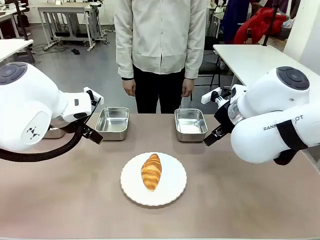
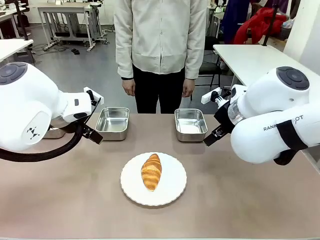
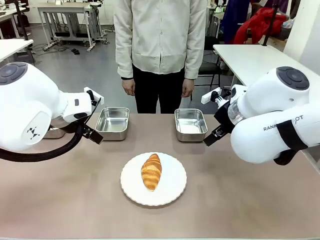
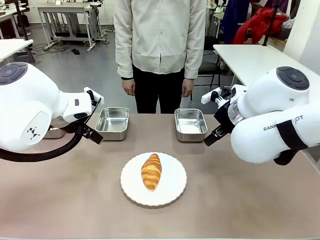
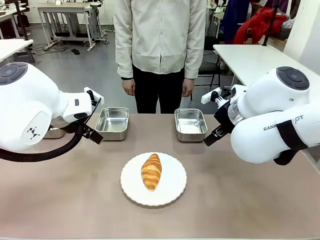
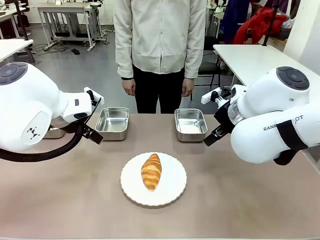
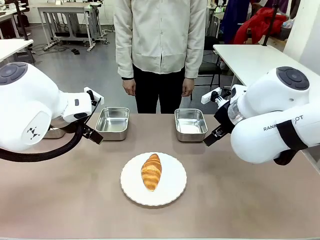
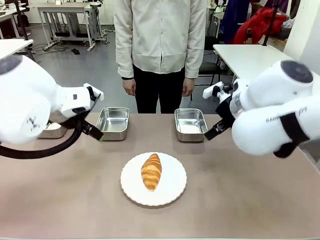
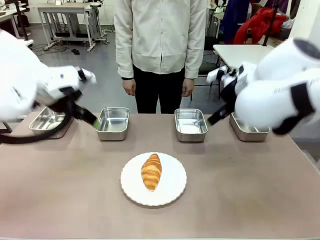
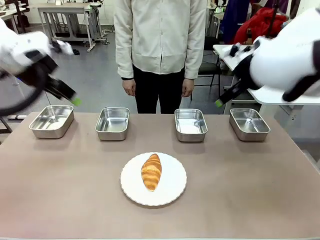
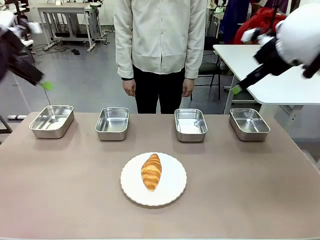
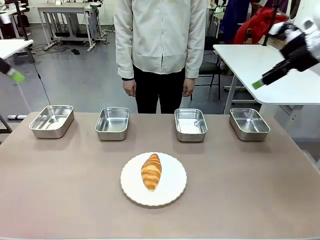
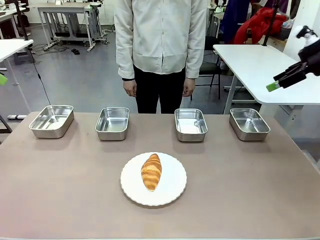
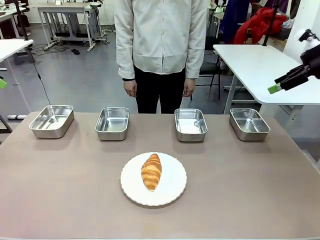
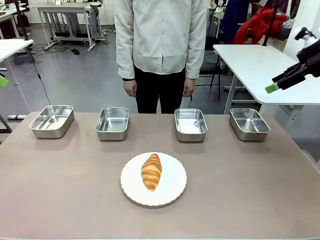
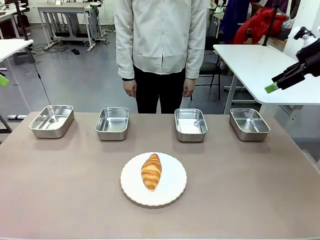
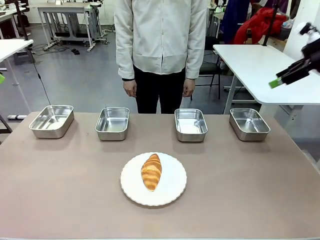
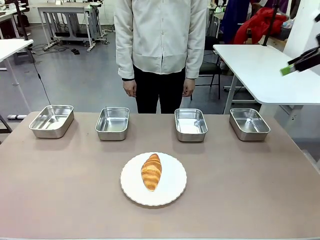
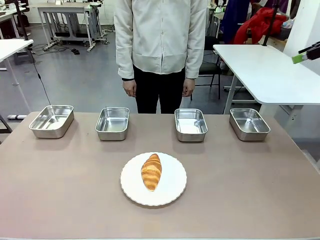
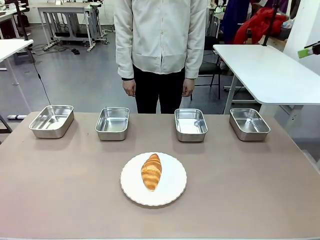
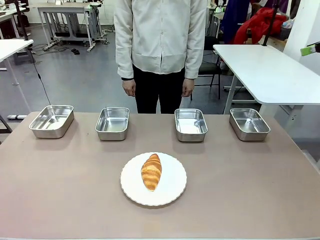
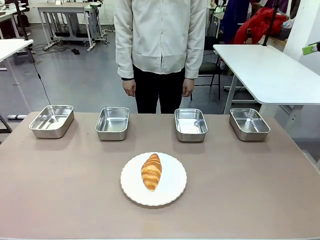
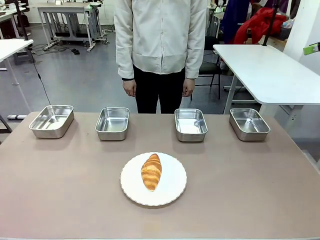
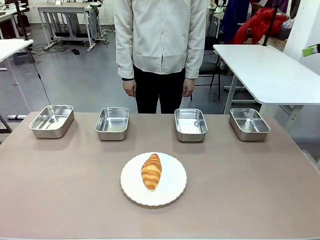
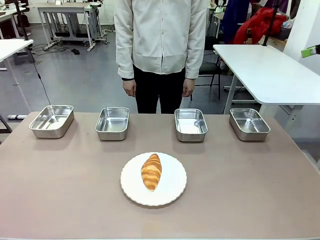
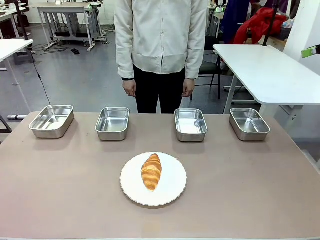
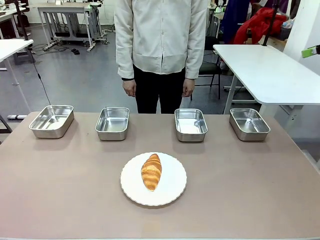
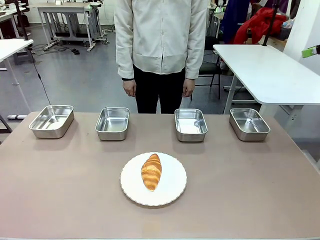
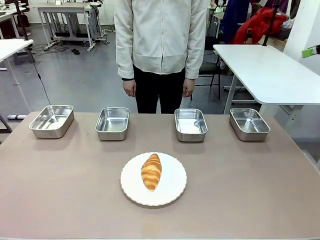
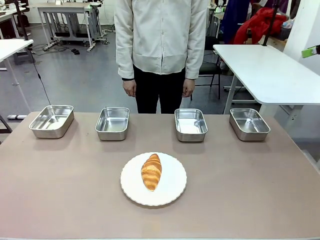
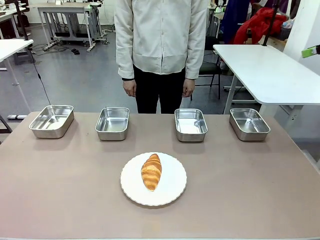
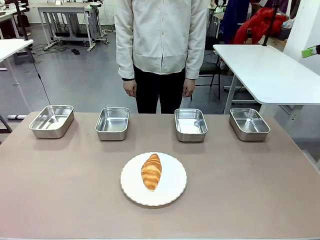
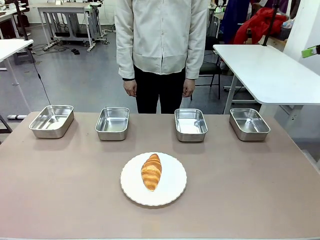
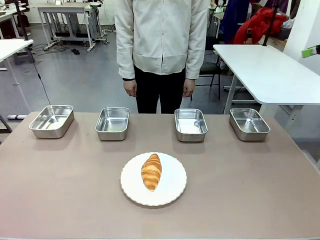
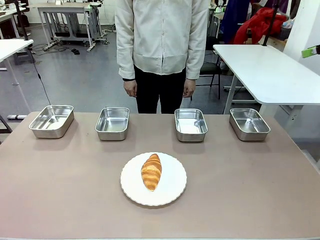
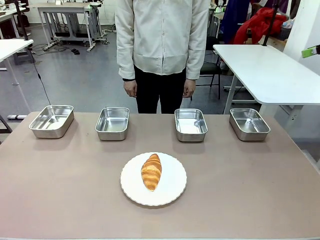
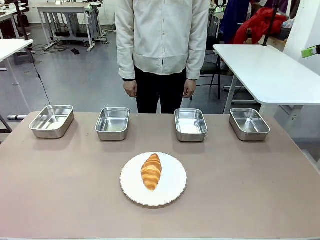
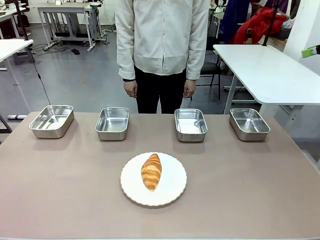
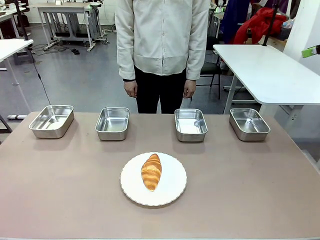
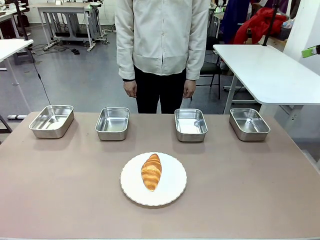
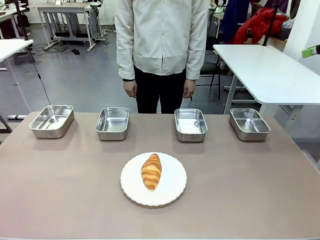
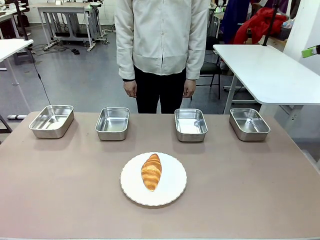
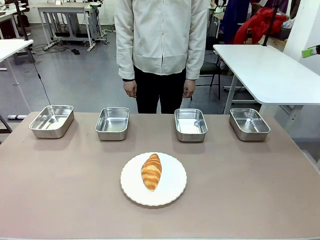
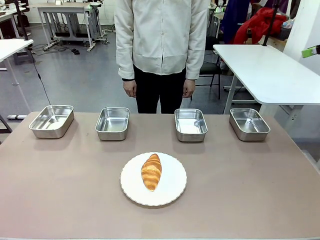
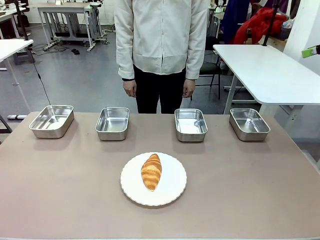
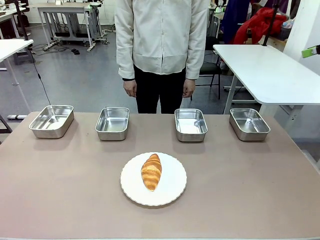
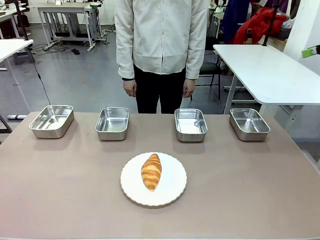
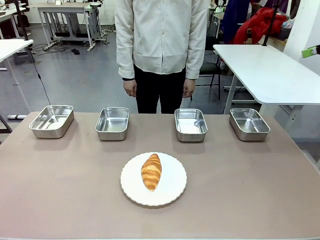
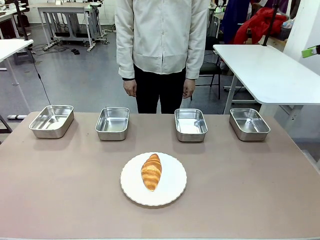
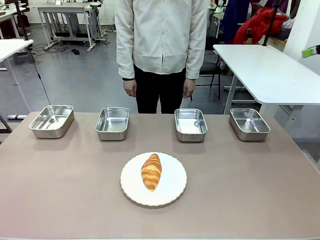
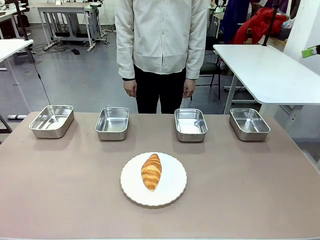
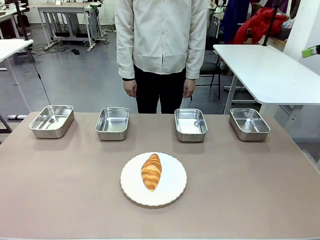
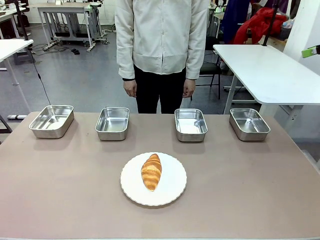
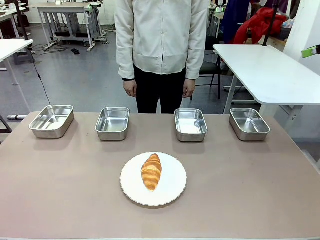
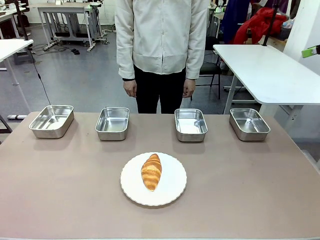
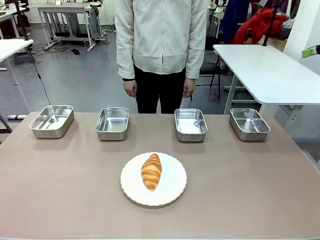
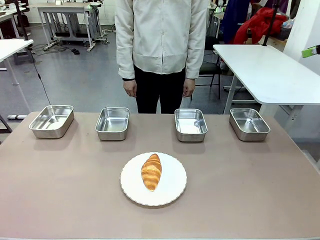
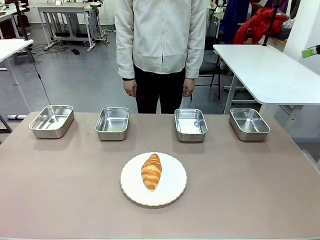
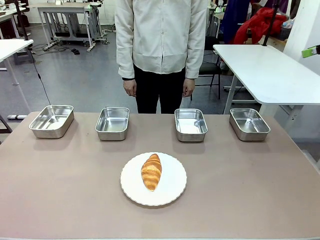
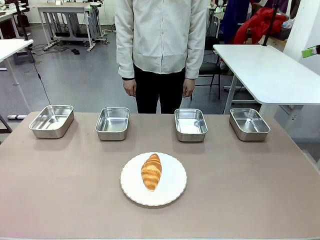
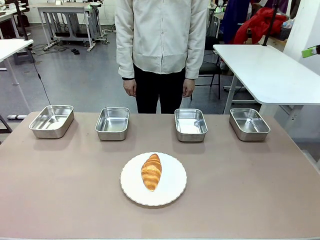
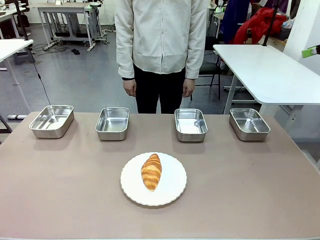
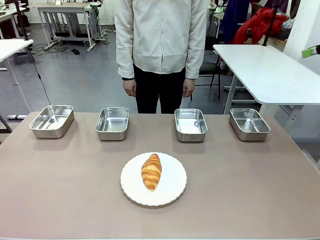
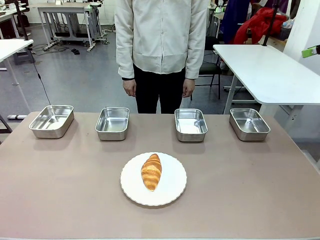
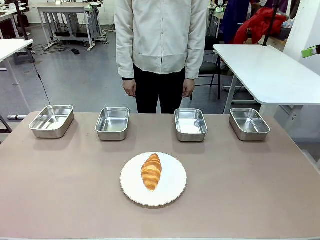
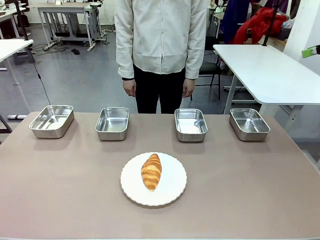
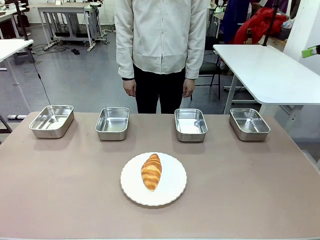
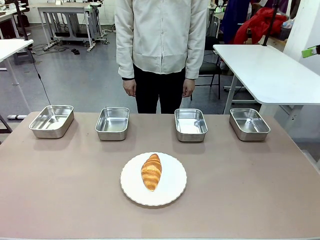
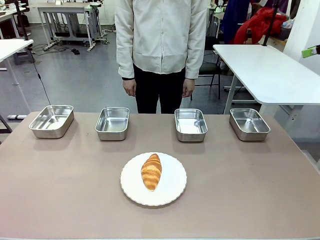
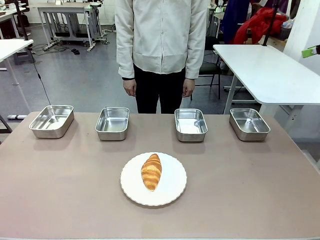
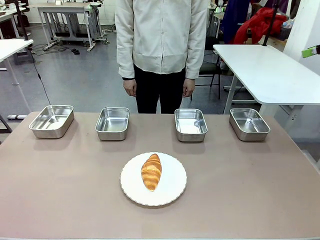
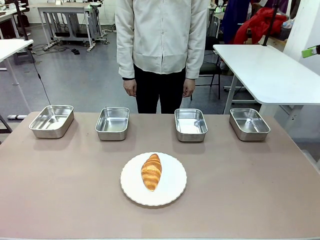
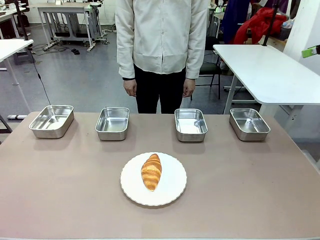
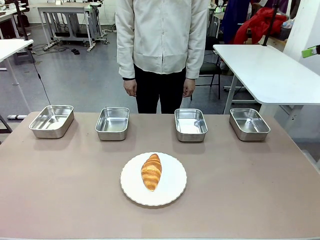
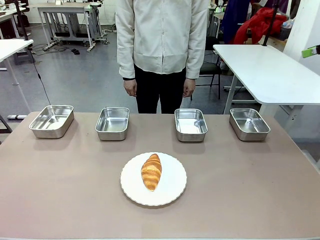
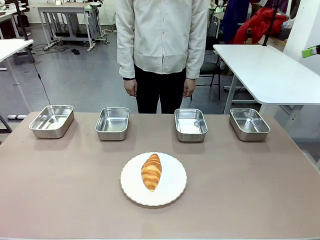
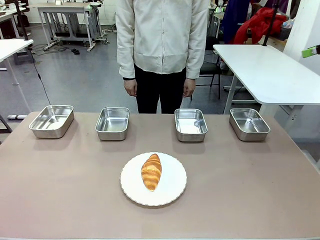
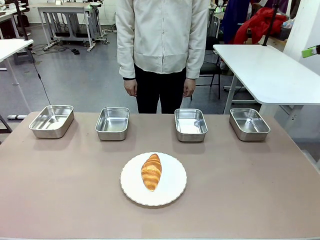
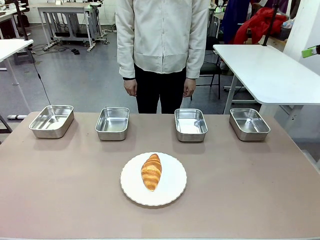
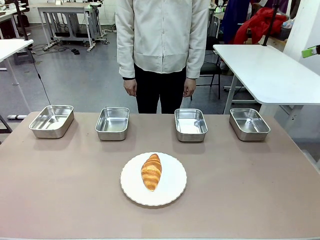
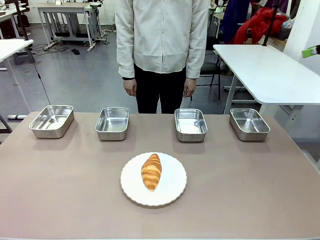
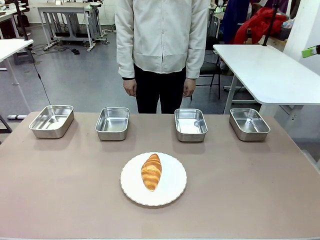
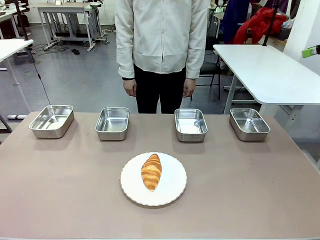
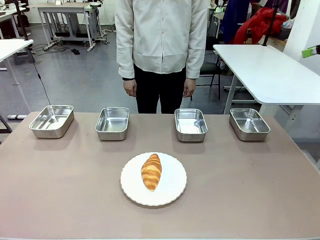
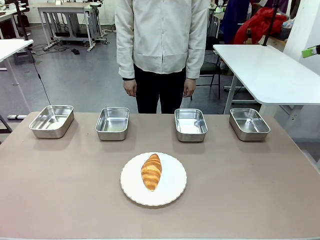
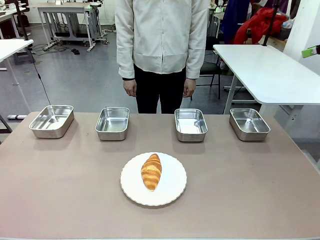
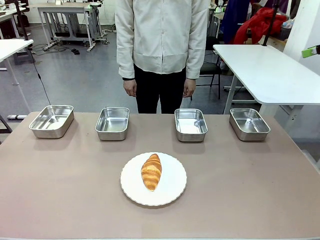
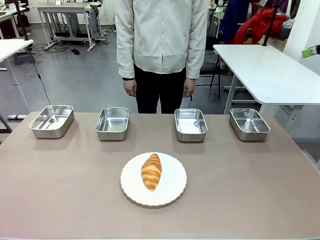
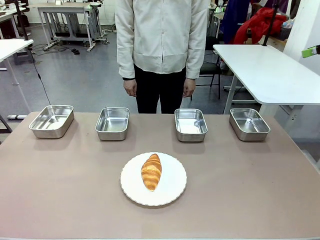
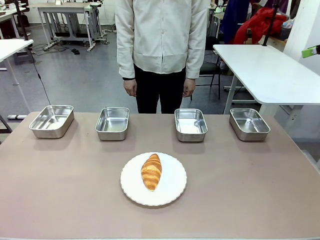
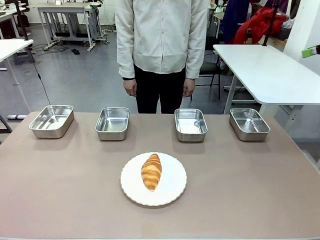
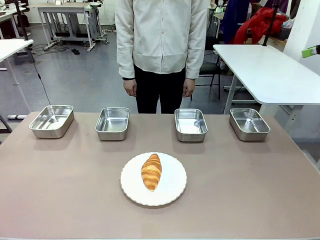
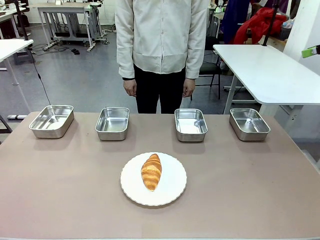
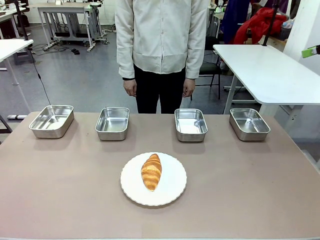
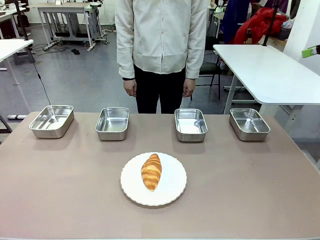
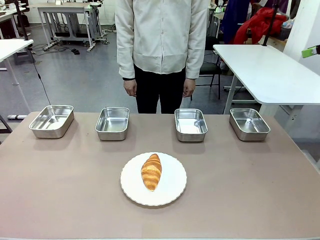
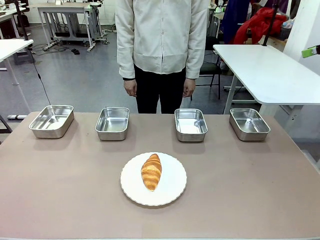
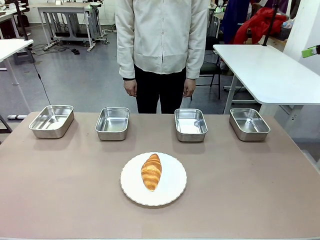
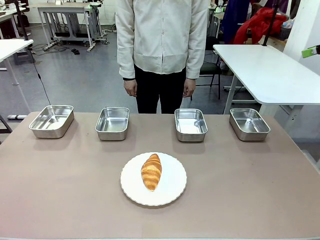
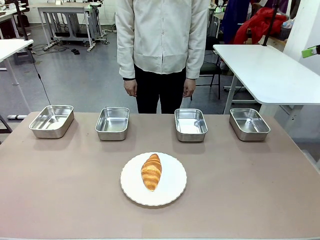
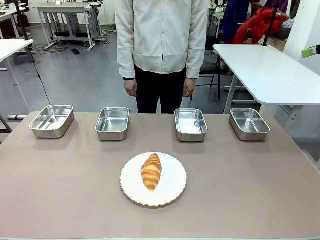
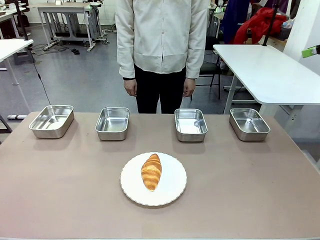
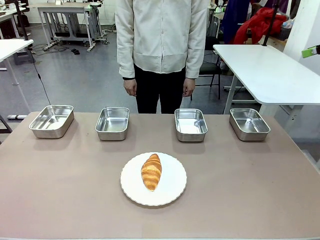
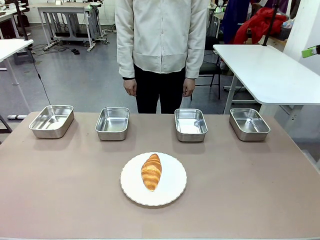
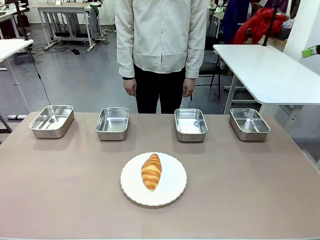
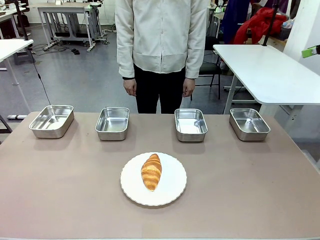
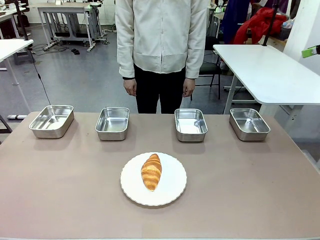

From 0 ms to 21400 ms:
Task: Place the bread in the container.
Robot: Place the Butter Roll into the Airtight Container indicated by the human.
